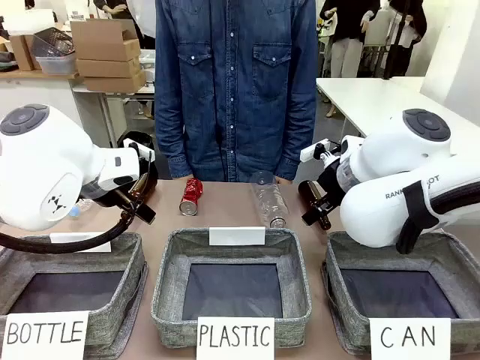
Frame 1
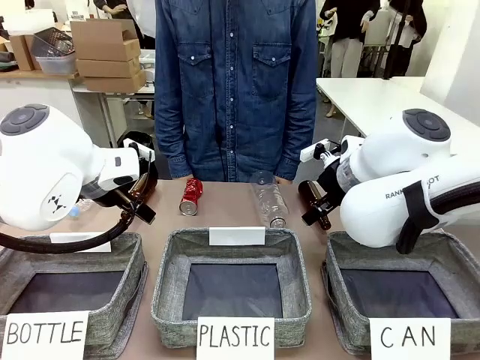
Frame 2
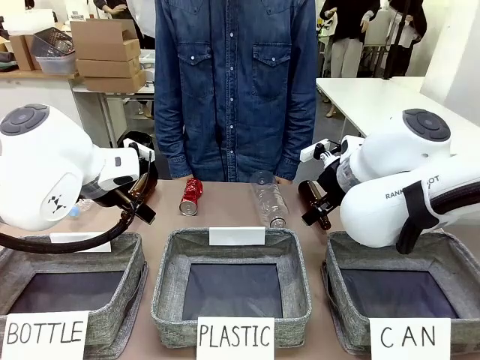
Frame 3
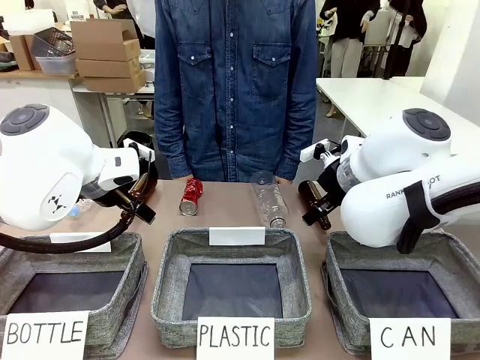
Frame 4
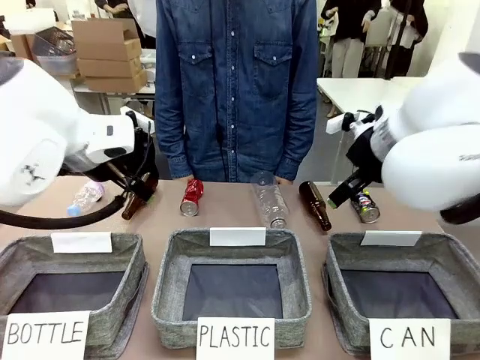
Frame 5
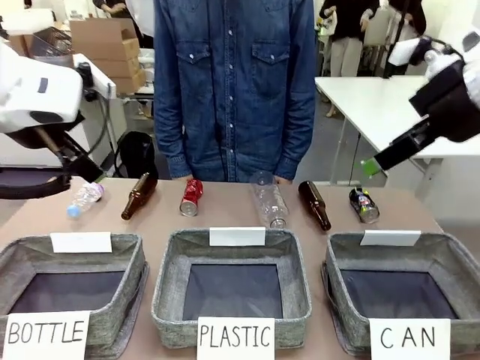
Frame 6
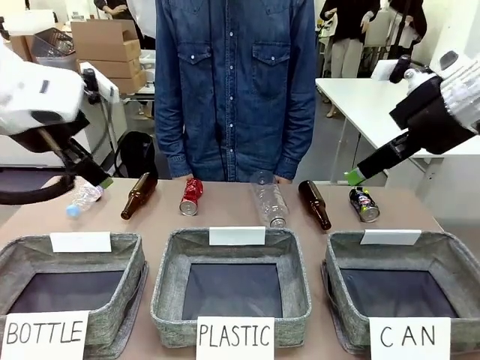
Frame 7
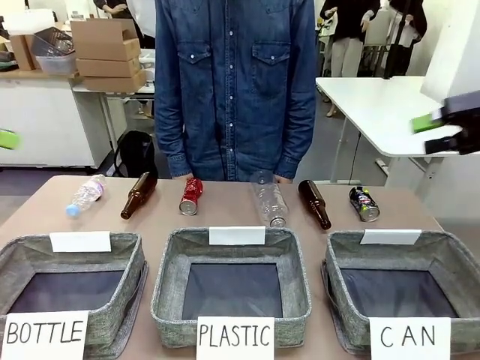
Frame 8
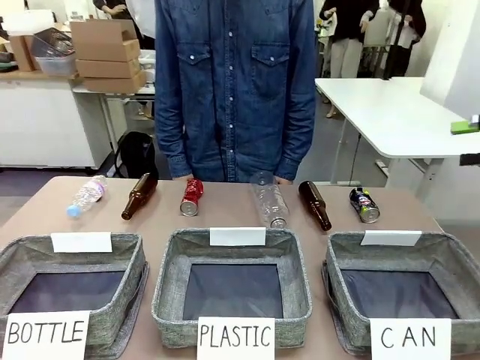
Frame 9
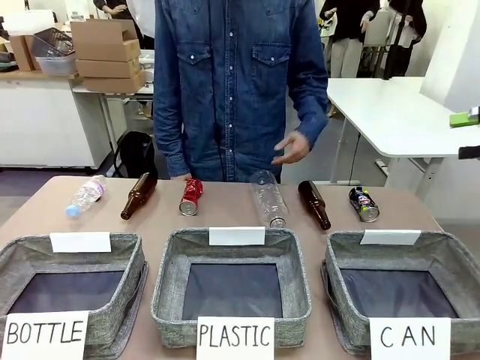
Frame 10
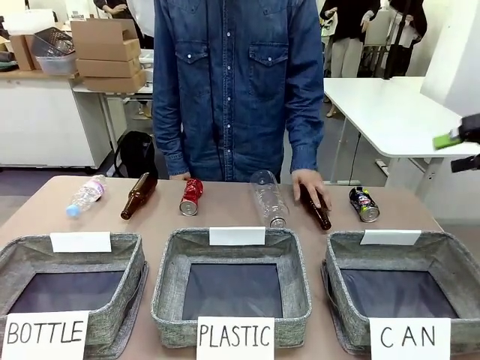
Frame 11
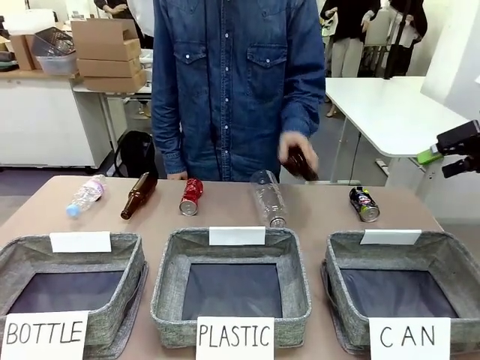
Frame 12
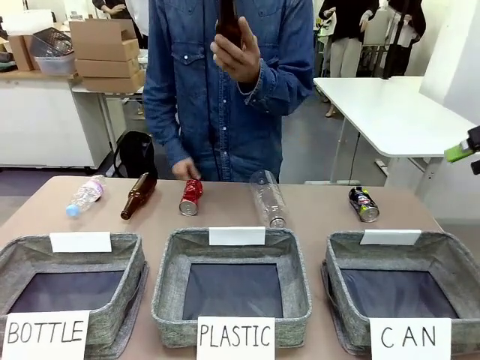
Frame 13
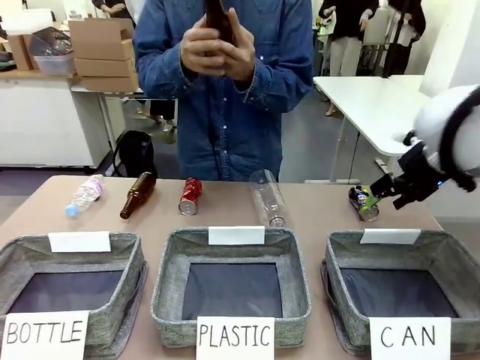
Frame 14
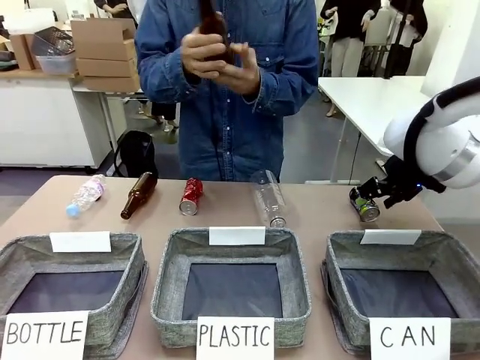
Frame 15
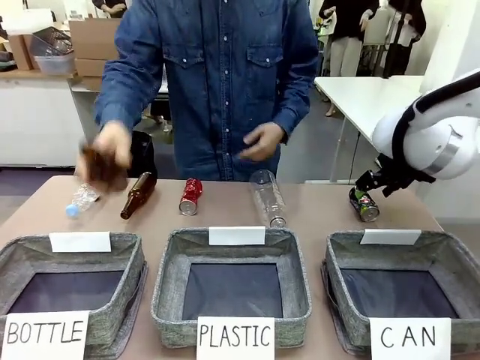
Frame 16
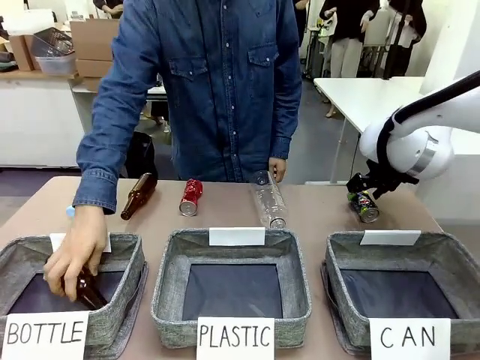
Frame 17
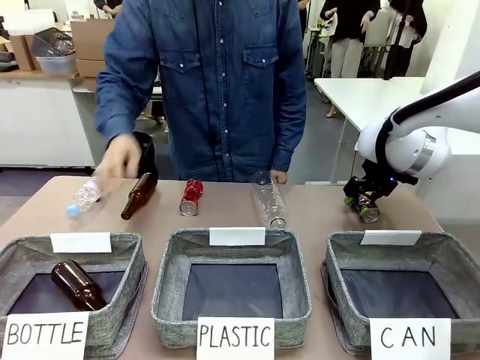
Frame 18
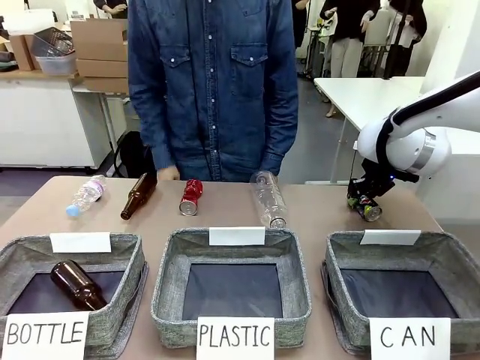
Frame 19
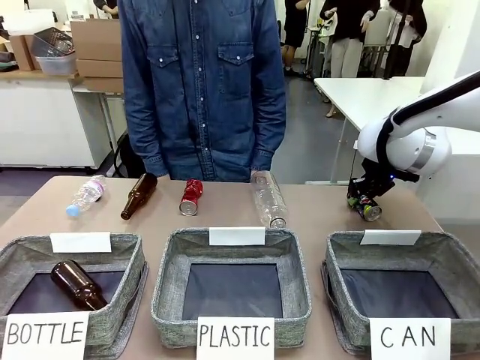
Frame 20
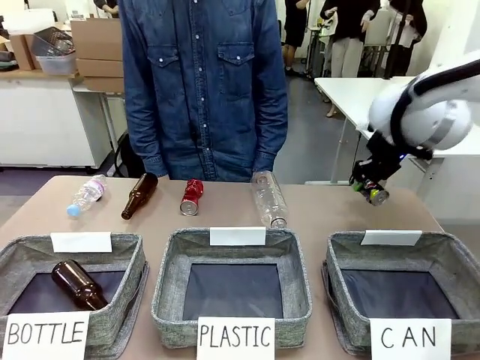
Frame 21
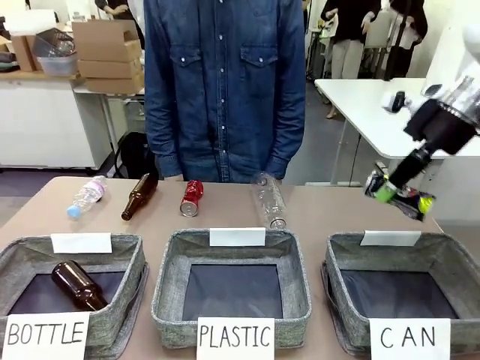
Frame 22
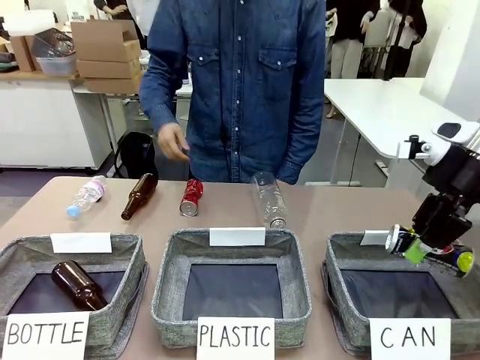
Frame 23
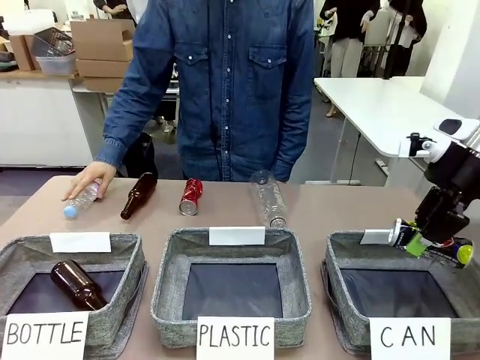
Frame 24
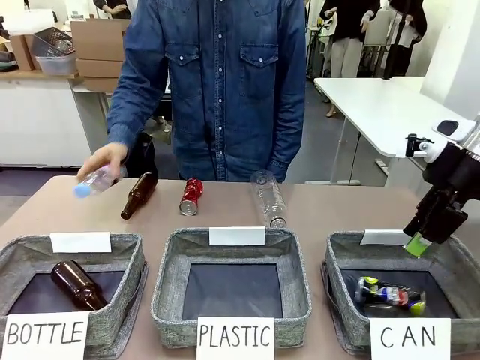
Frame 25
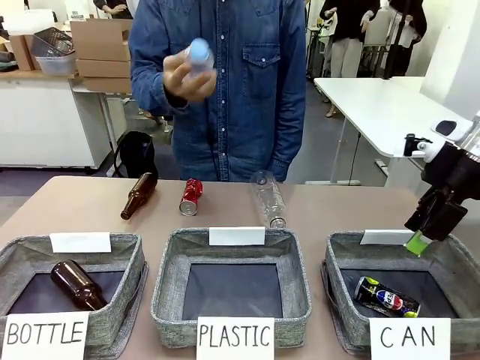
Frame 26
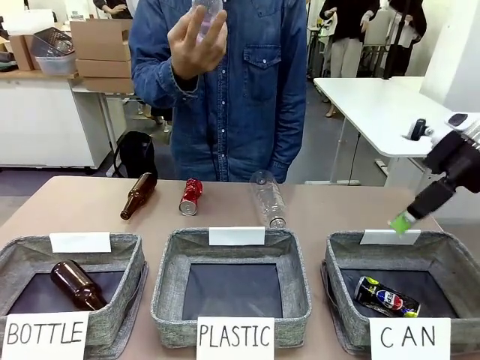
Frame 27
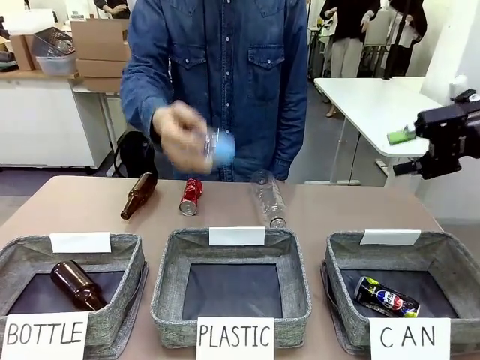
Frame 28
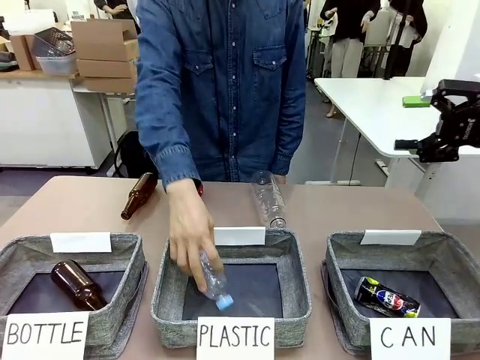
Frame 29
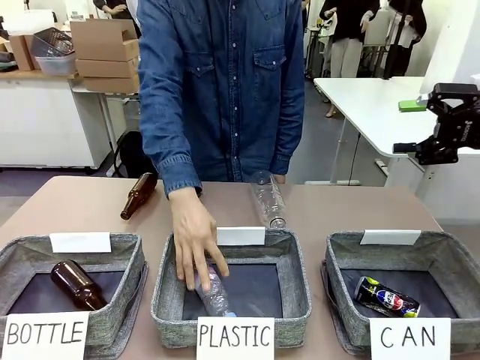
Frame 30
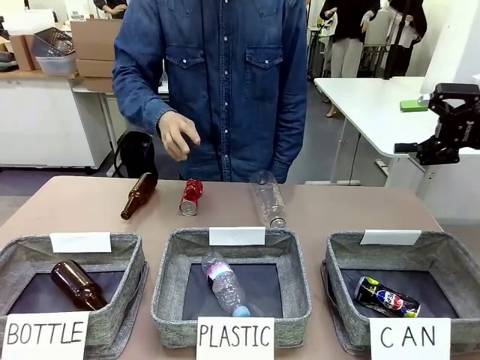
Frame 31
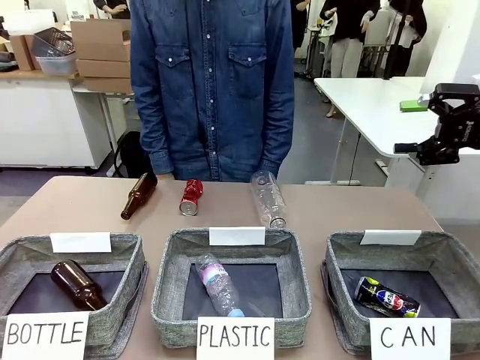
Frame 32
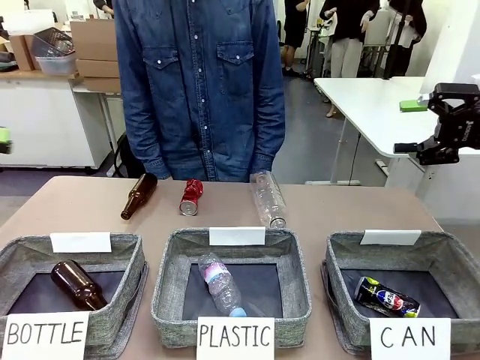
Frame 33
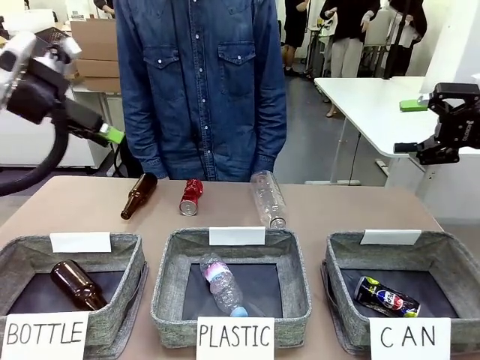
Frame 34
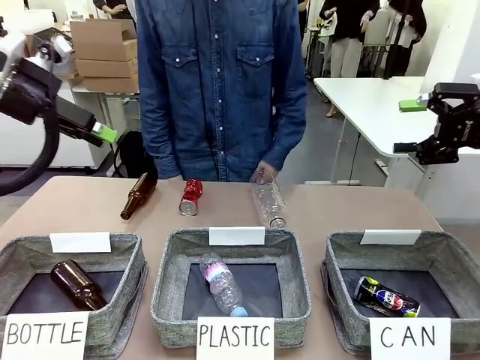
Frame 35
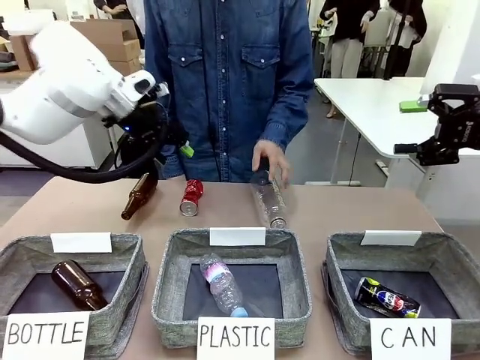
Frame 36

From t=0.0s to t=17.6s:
Task: Sort the can waste into the basket.
Robot: Pick up the can waste from the table and place it in the right Fabric basket.

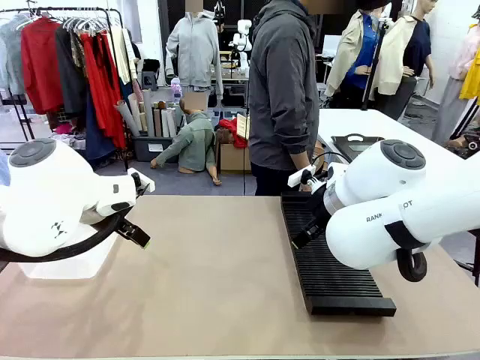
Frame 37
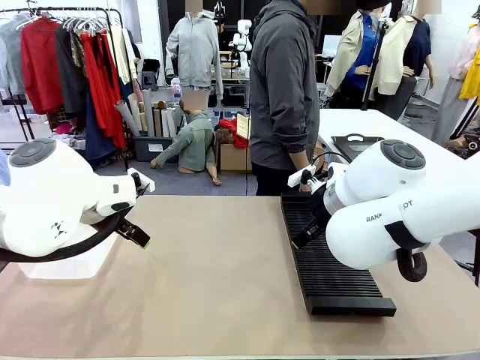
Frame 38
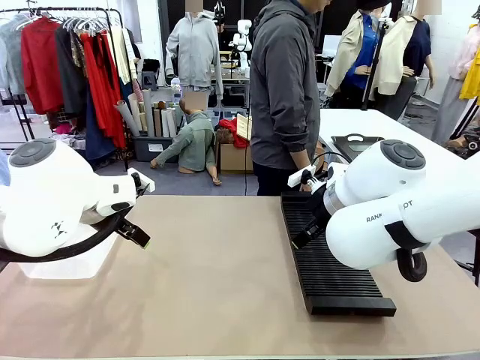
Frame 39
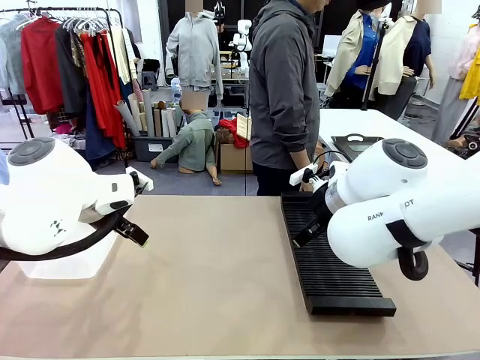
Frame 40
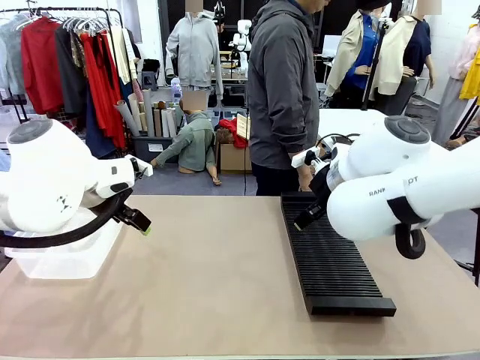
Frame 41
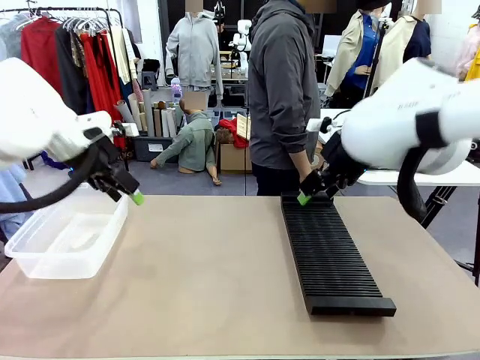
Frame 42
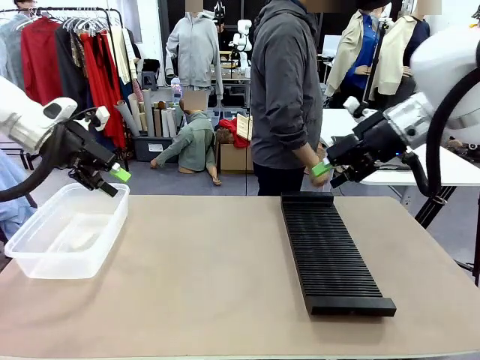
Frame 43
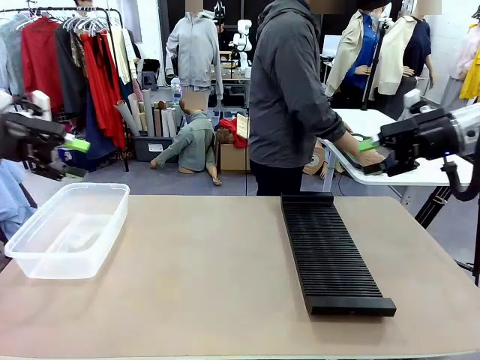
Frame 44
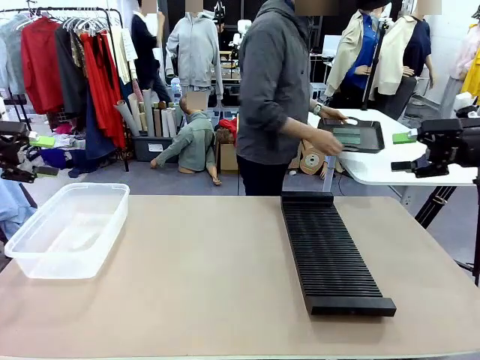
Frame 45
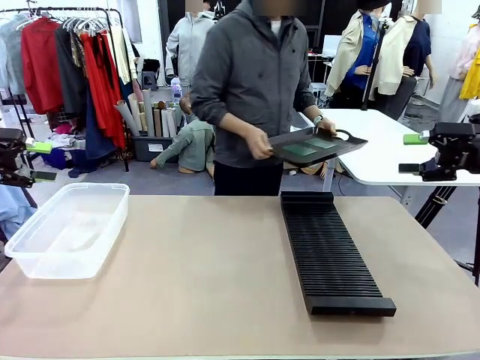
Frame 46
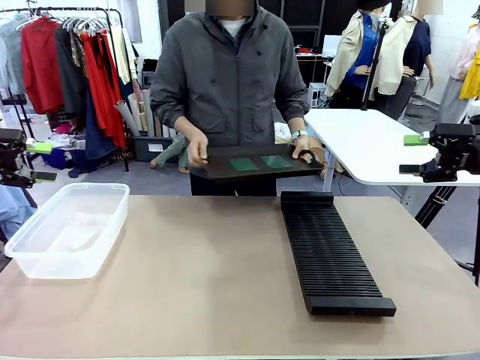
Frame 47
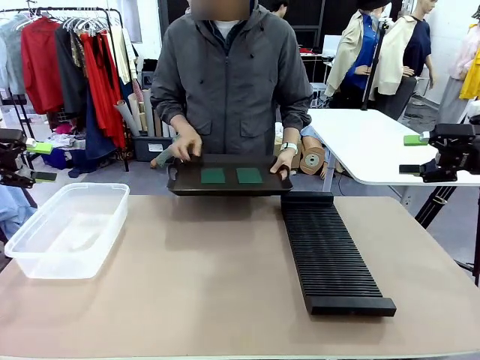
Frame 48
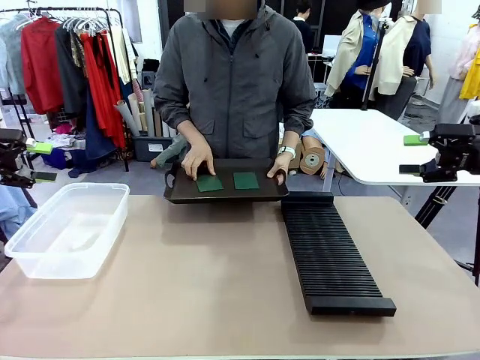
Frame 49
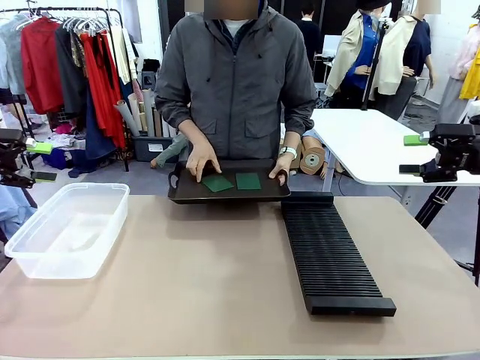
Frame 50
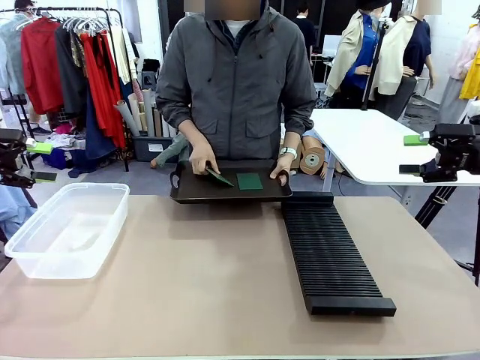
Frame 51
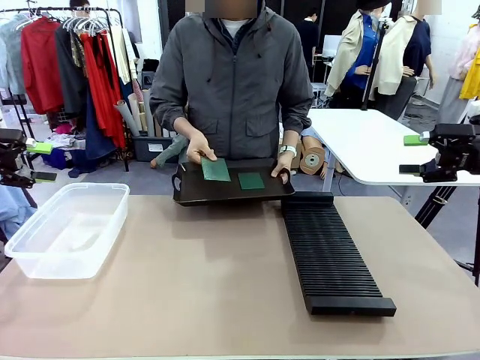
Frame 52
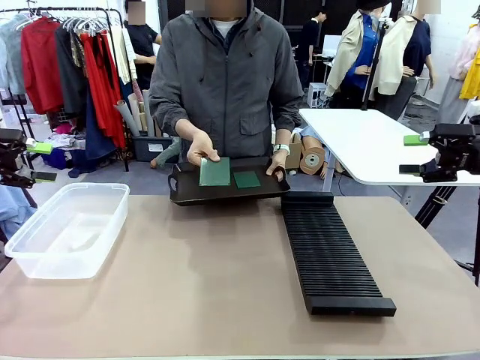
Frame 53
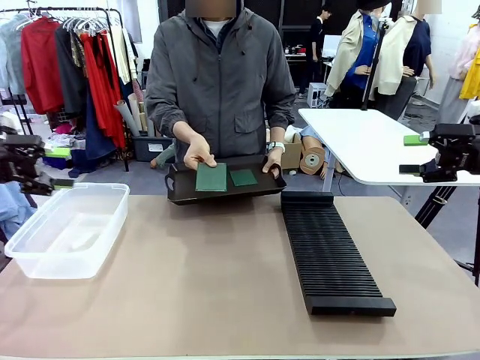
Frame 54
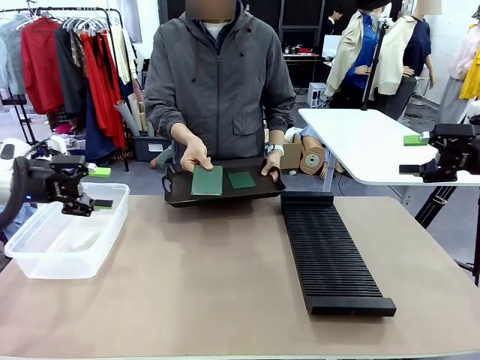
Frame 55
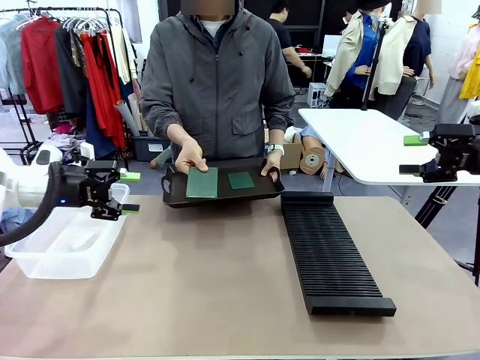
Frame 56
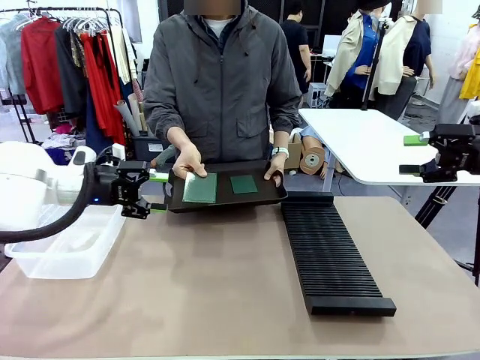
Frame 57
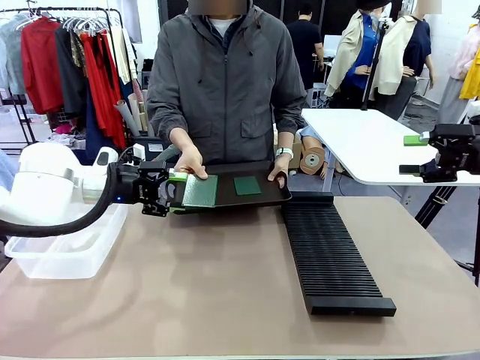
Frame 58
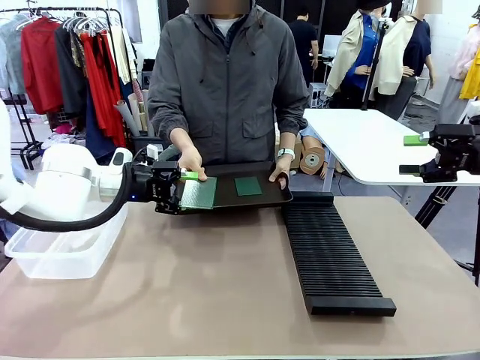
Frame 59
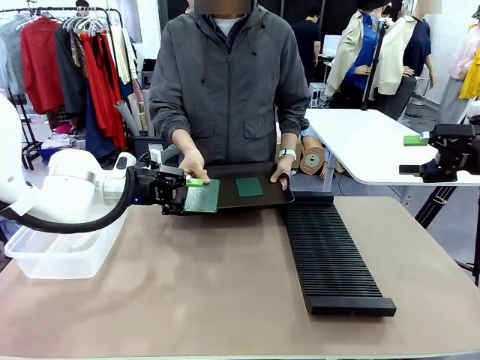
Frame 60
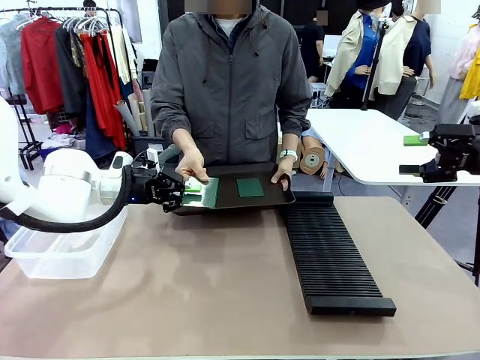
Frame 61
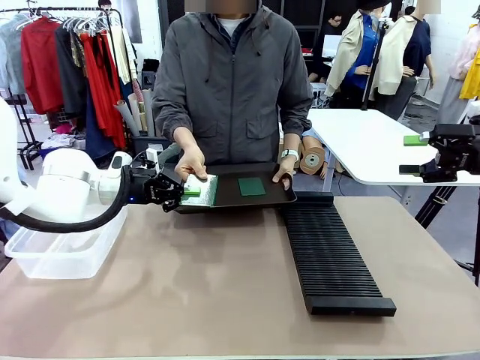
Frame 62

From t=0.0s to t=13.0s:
Task: Sort PCBs into racks and boxes based on the side picked up.
Robot: Pick up the Blank PCB handed by the Human.
Person: Pick one PCB from the tray and present it to the robot. Release the PCB being held.
